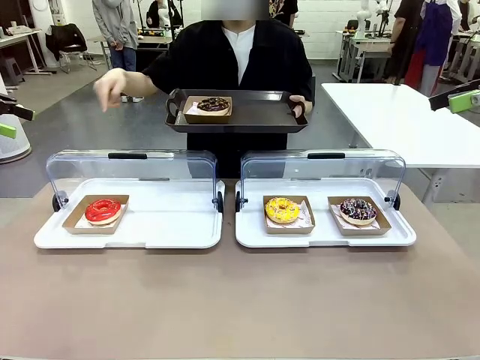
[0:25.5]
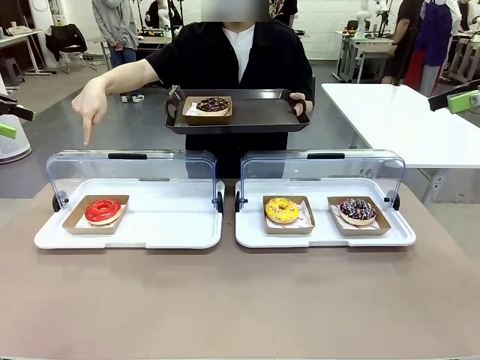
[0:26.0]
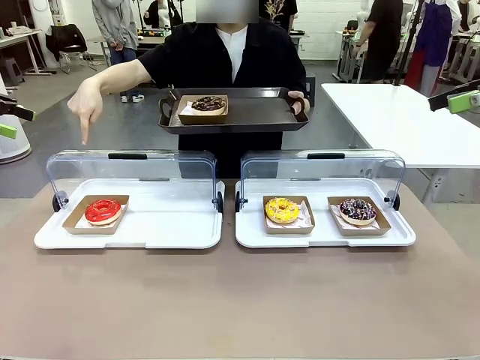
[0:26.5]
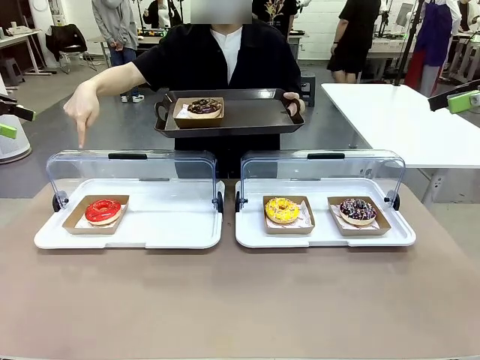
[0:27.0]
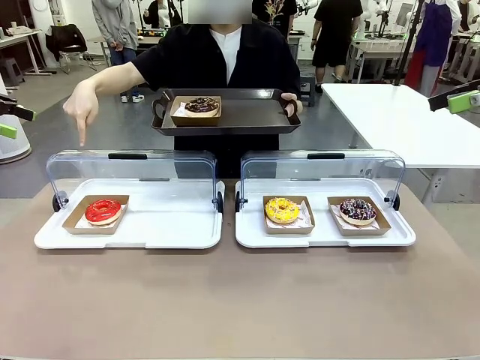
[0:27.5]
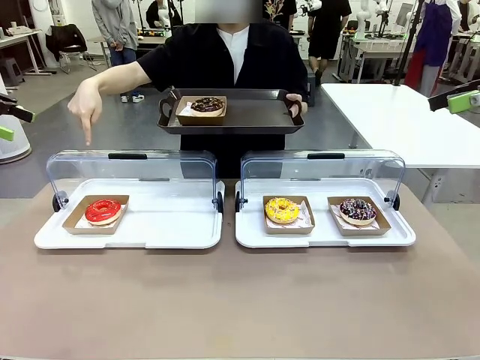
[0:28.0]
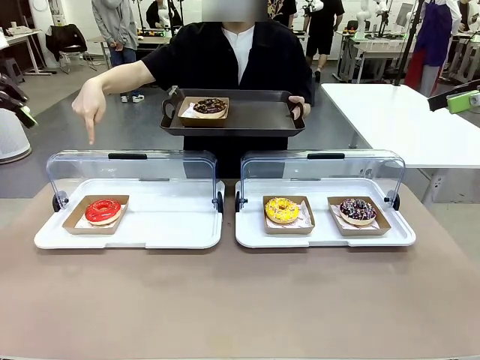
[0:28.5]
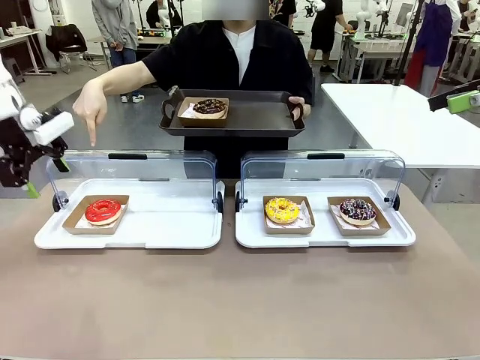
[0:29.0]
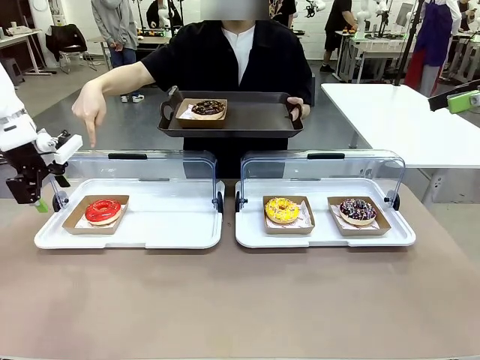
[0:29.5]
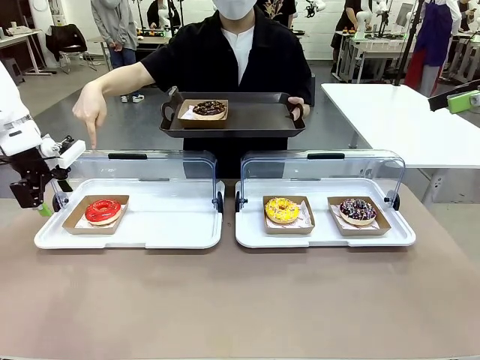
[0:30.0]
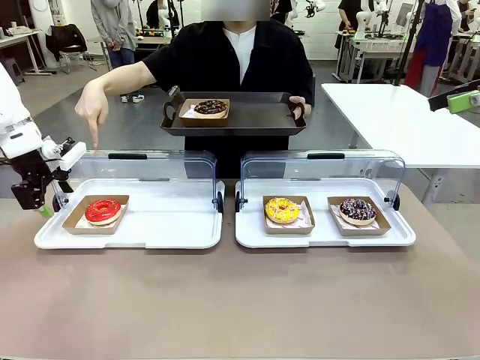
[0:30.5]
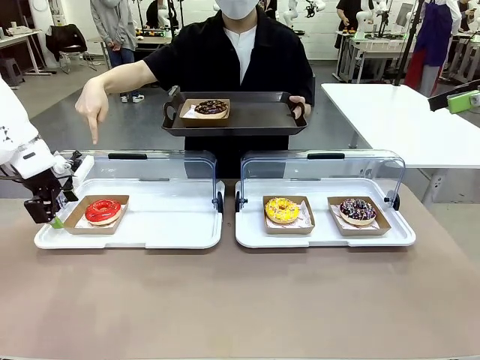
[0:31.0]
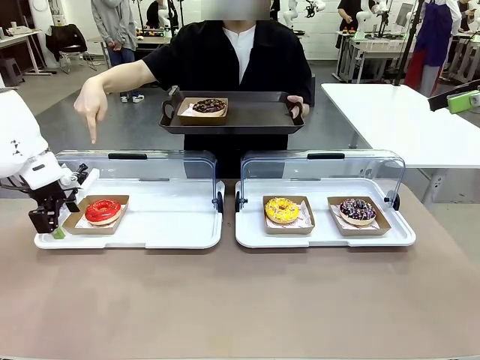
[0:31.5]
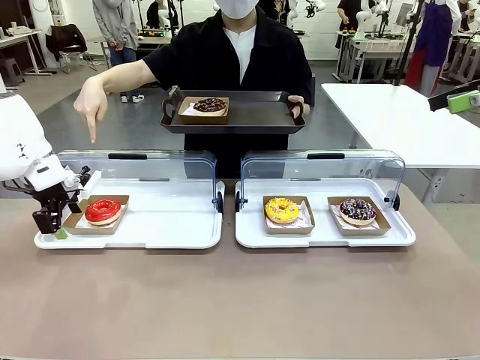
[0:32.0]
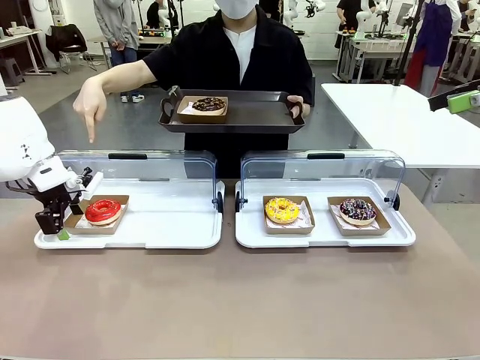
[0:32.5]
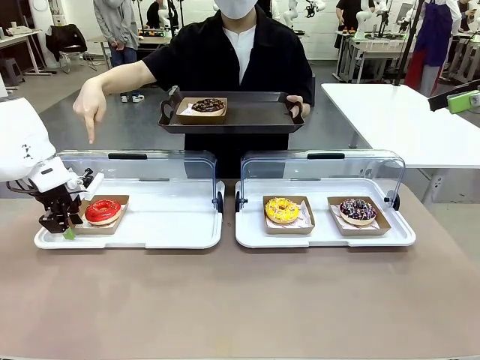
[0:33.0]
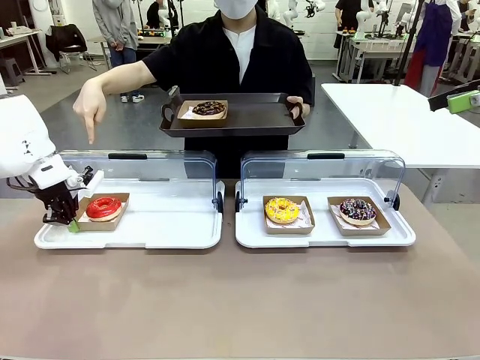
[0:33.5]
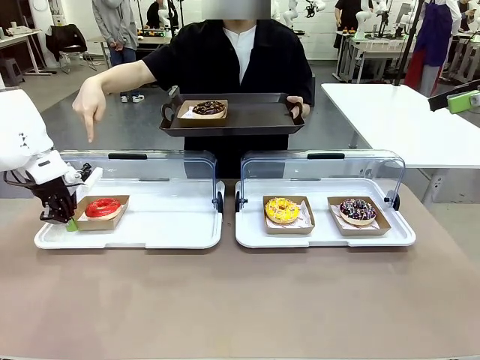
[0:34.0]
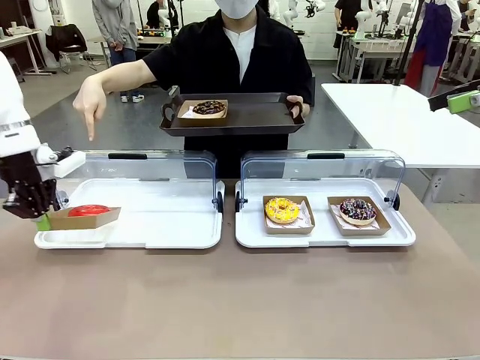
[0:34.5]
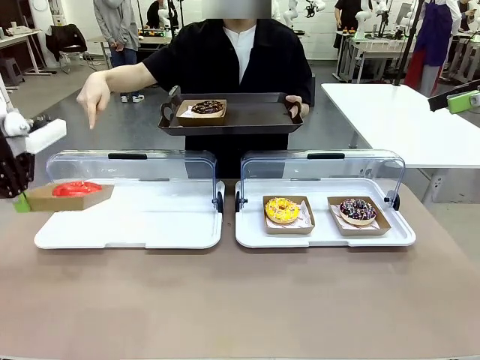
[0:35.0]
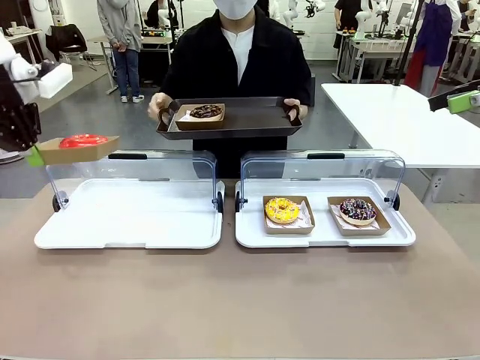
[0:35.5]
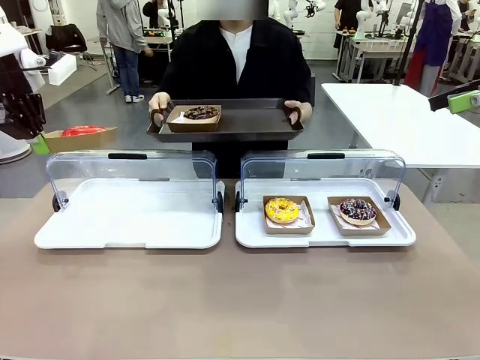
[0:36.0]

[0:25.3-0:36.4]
Task: Provide the desired donut to the person.
Robot: Pick up and lift the Paper togo box containing the Donut pointed at by the person.
Person: Lift the tray onto the Roll-Top Bakery Case.

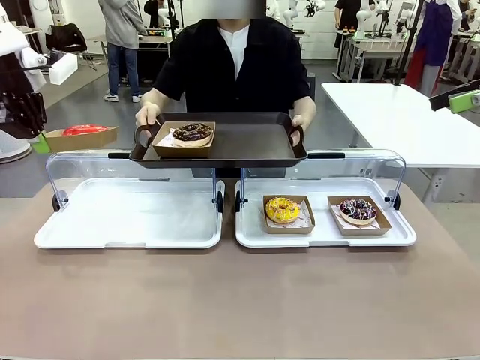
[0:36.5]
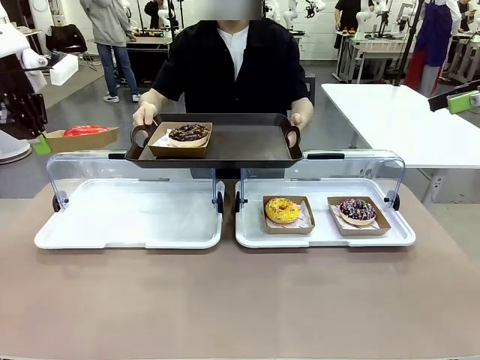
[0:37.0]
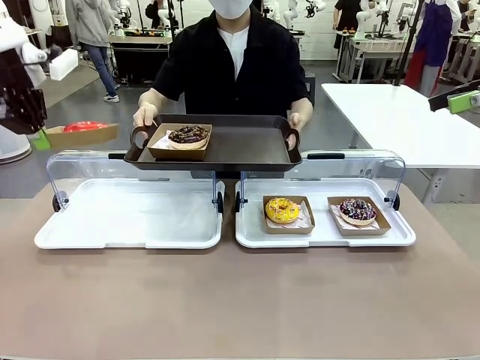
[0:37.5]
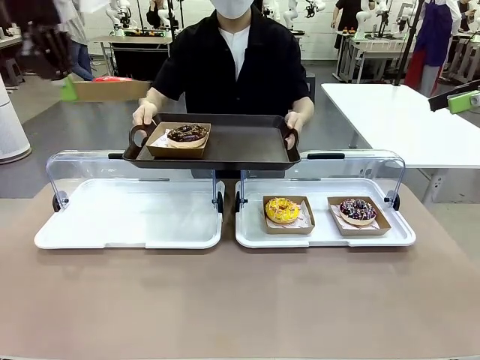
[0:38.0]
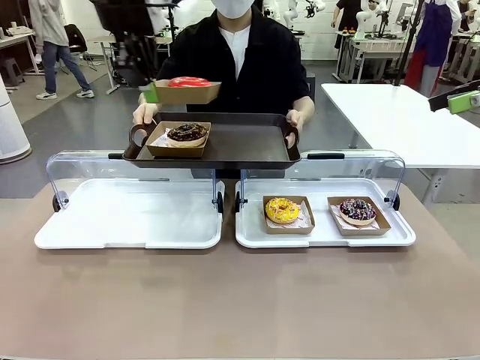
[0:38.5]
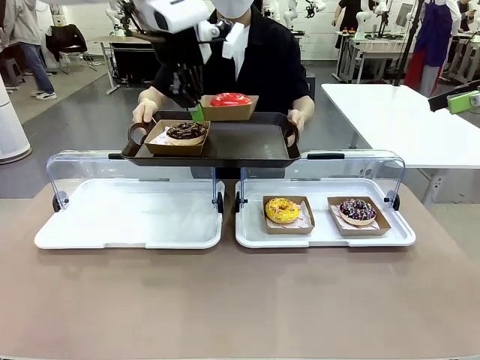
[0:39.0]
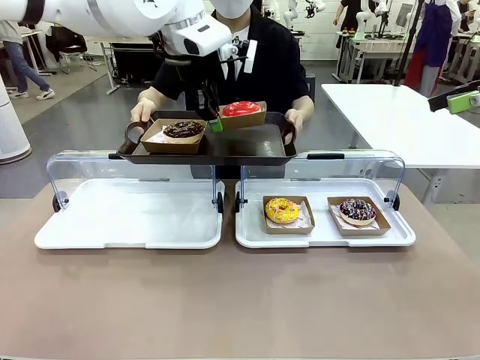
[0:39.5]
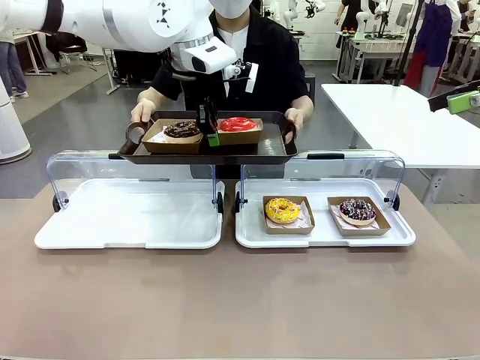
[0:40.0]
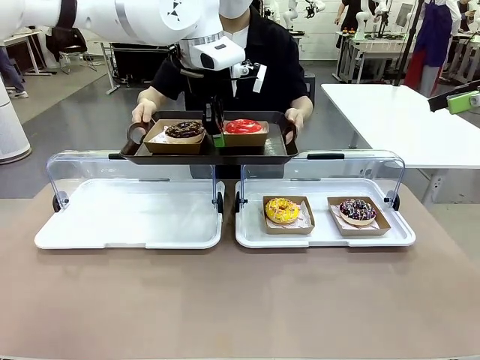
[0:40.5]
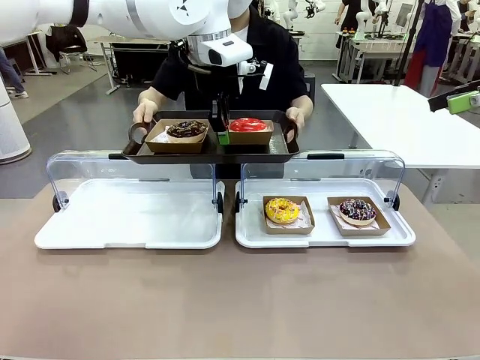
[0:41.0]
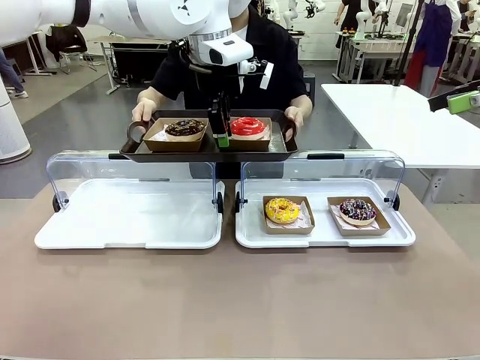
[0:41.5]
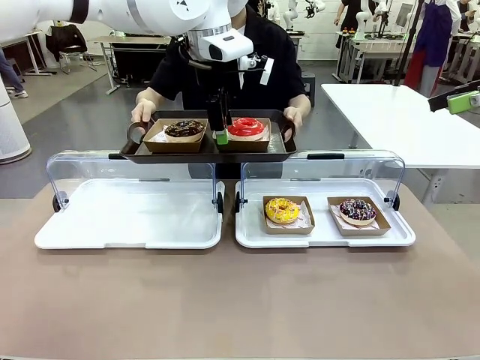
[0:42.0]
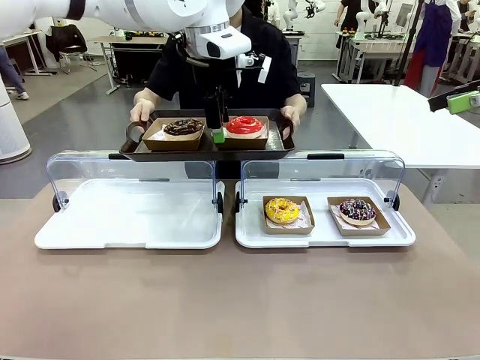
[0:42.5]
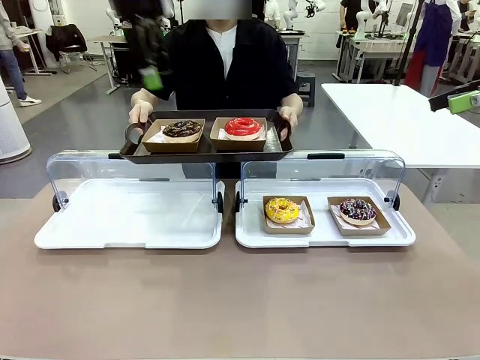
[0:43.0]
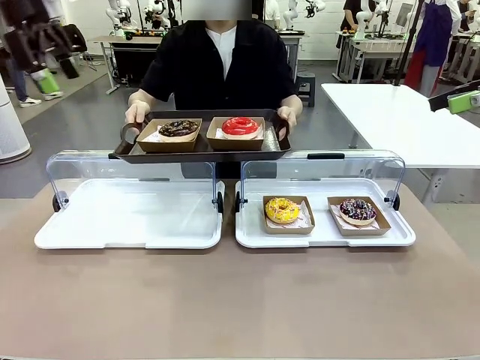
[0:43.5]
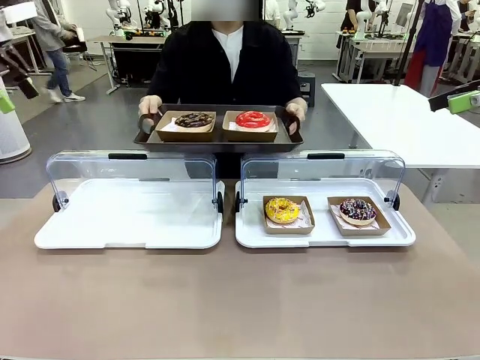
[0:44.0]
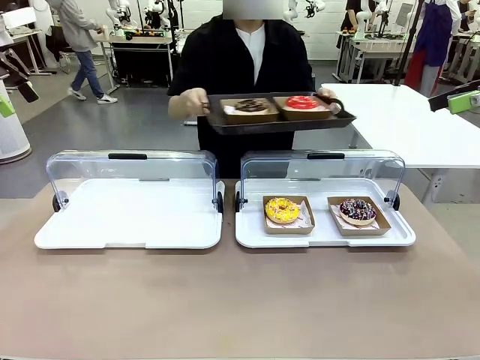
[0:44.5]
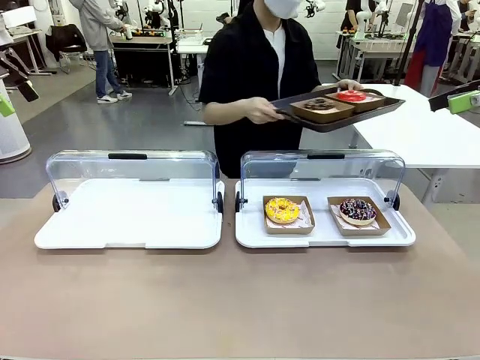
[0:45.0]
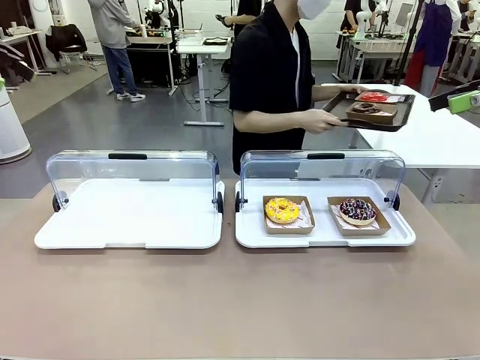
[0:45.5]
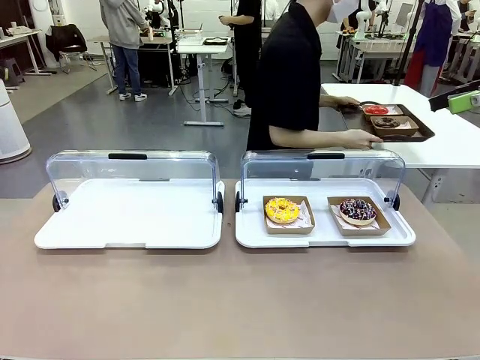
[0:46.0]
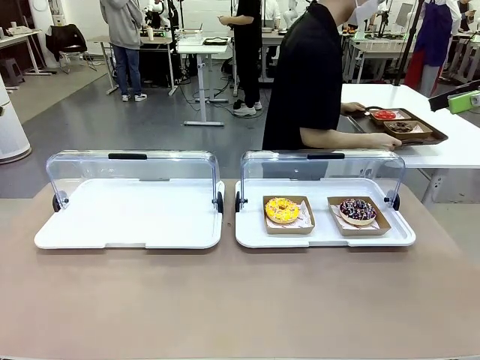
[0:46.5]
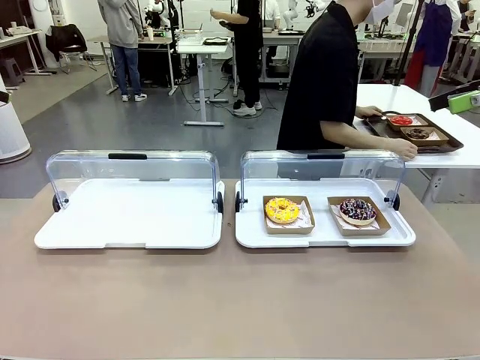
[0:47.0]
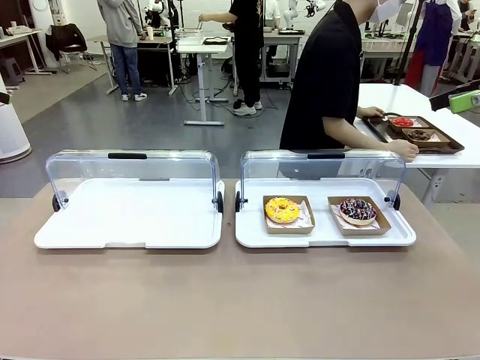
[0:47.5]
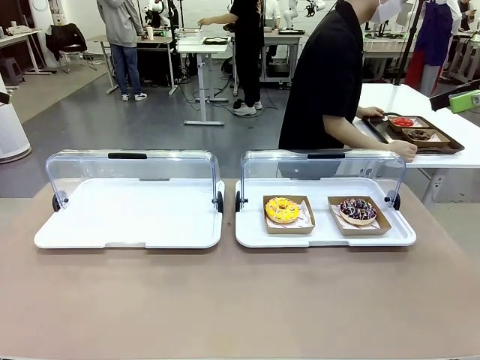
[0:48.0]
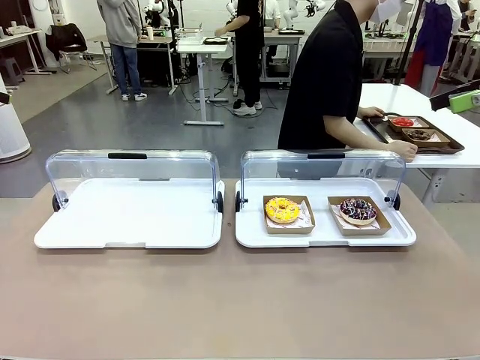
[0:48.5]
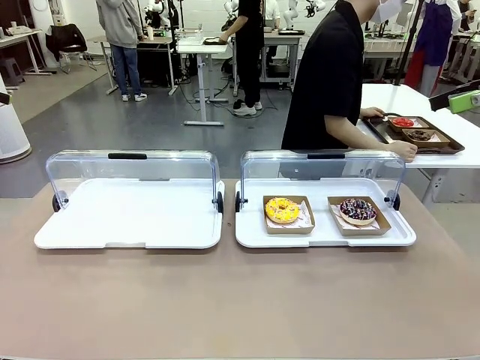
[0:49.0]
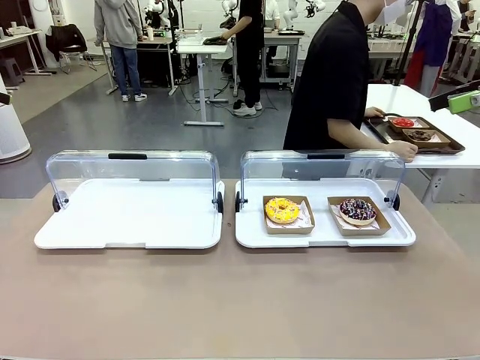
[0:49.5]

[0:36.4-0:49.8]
Robot: Place the picked Paper togo box onto the Handle tray extended by the person.
Person: Place the tray in the middle of the human table.
